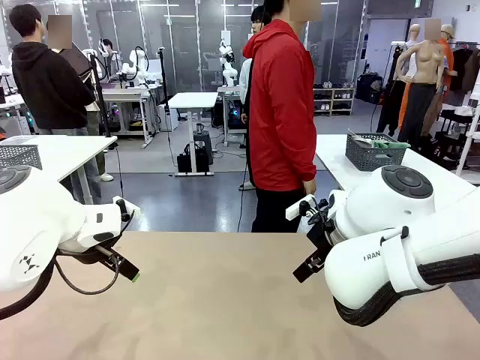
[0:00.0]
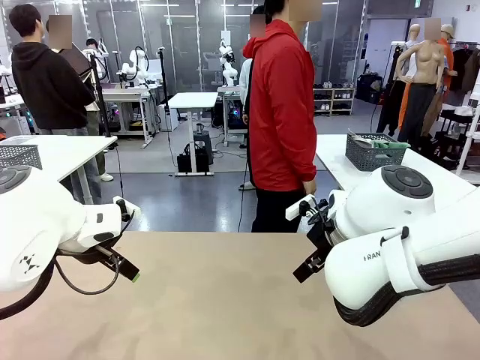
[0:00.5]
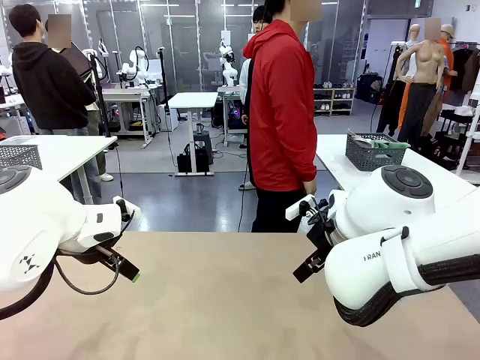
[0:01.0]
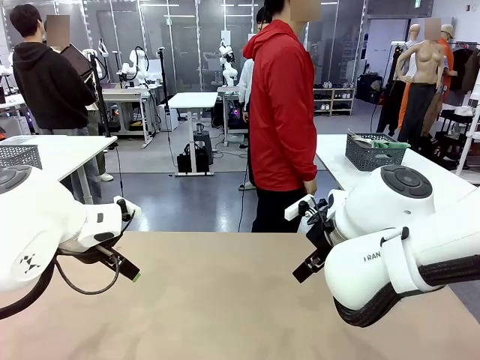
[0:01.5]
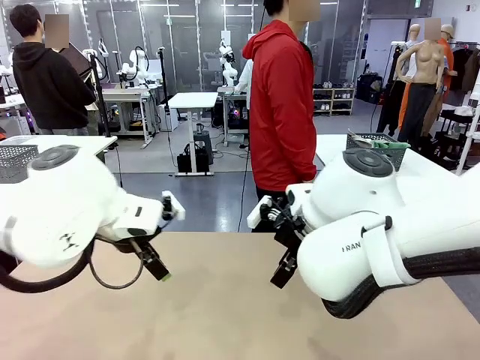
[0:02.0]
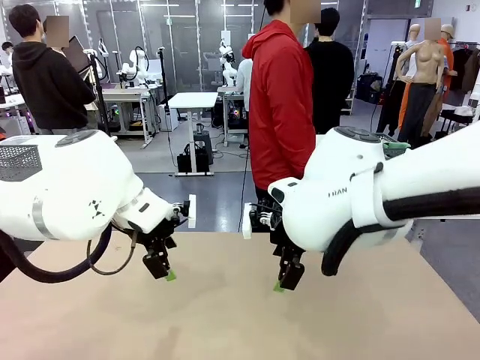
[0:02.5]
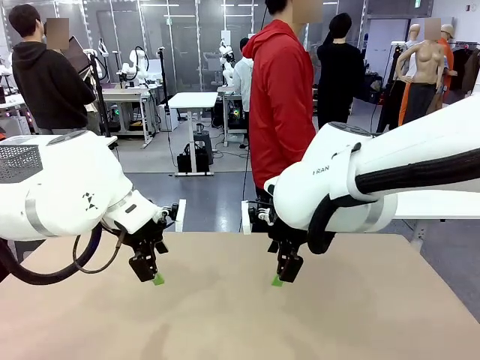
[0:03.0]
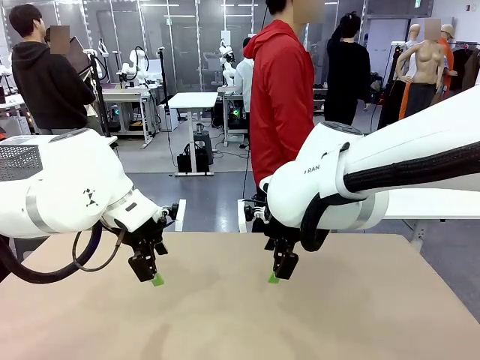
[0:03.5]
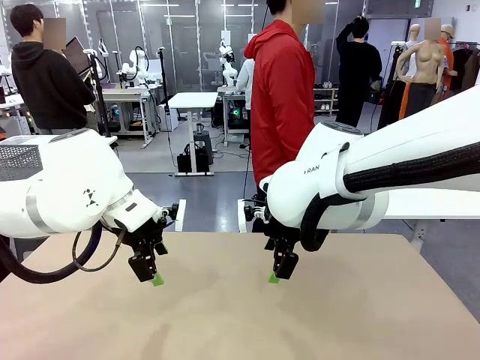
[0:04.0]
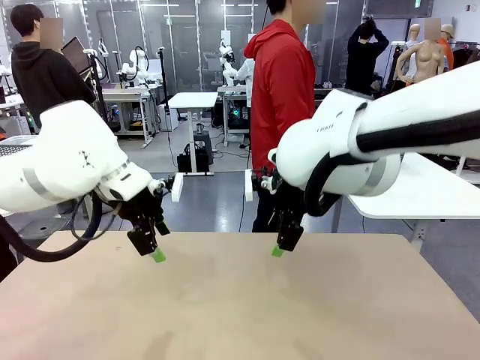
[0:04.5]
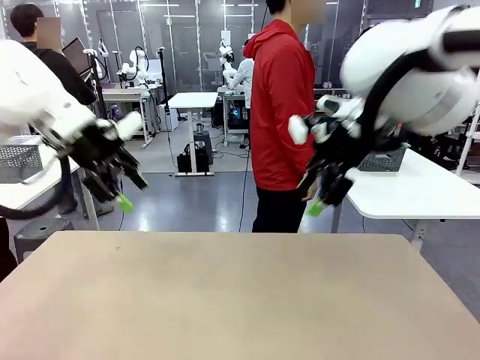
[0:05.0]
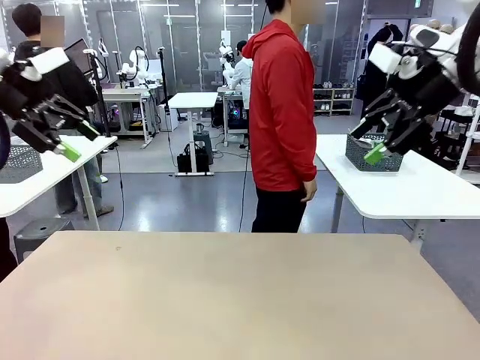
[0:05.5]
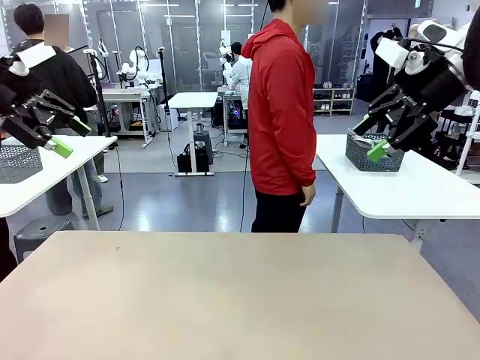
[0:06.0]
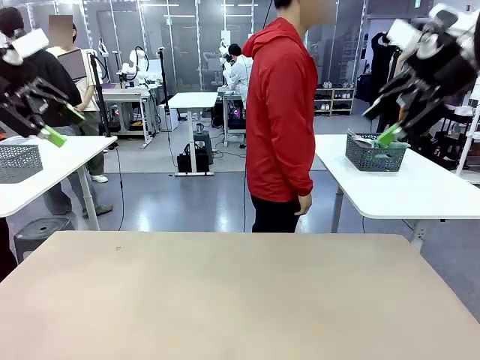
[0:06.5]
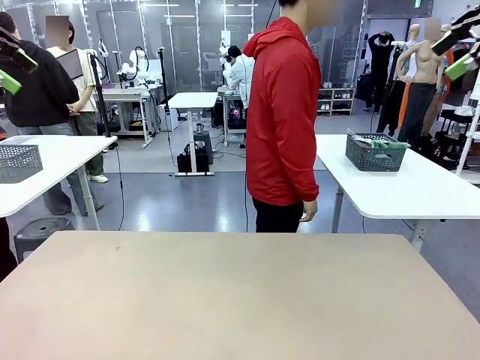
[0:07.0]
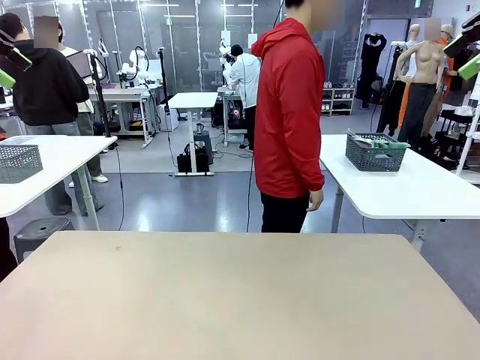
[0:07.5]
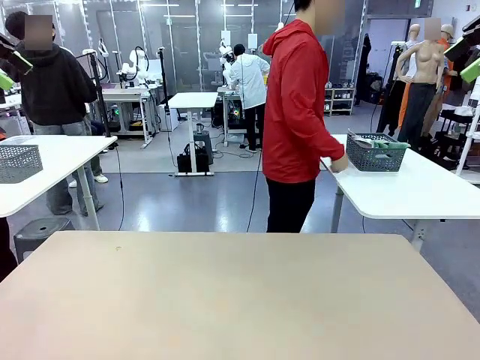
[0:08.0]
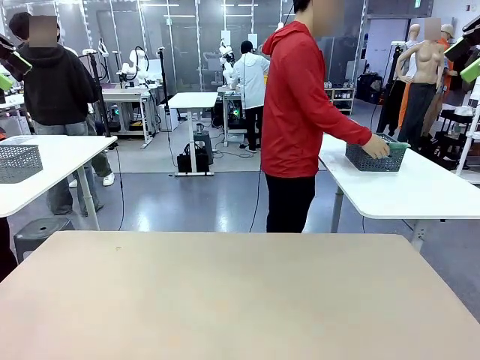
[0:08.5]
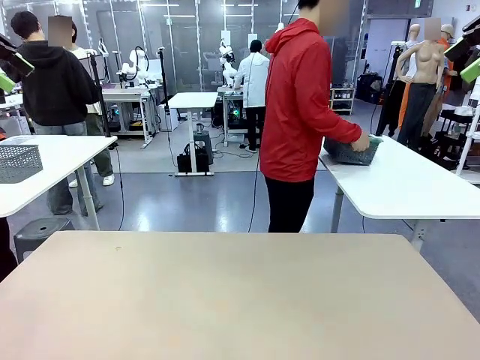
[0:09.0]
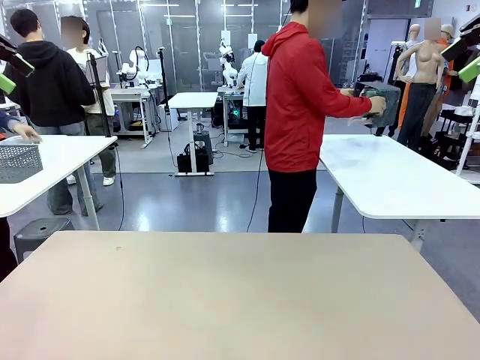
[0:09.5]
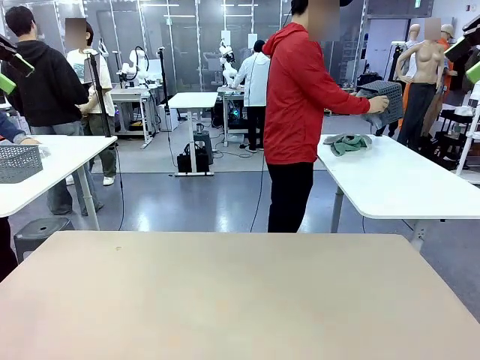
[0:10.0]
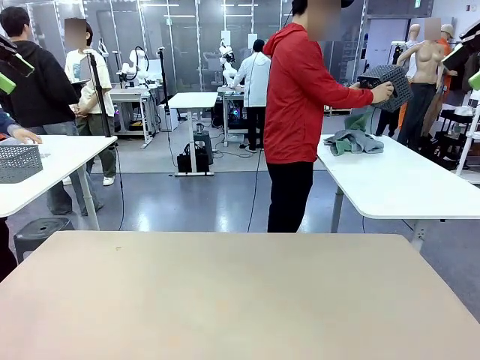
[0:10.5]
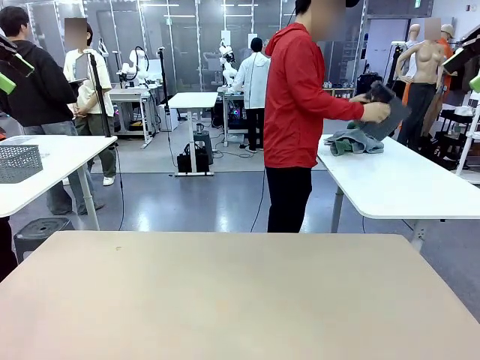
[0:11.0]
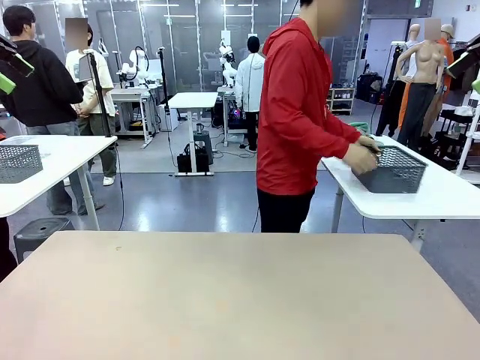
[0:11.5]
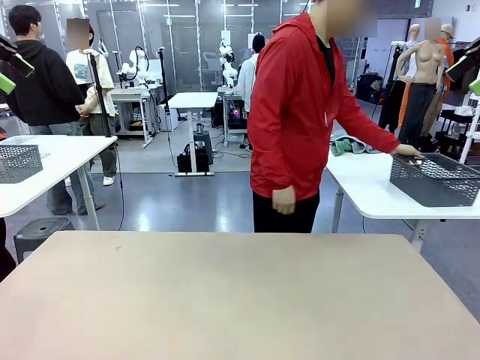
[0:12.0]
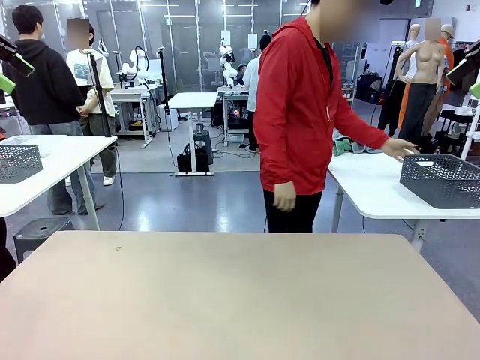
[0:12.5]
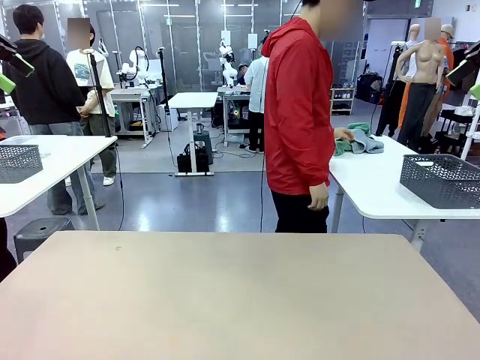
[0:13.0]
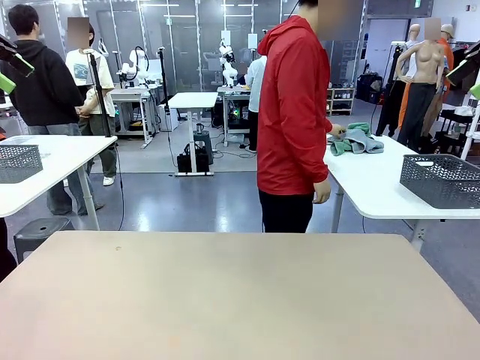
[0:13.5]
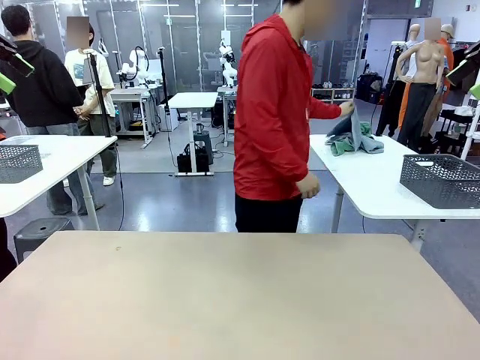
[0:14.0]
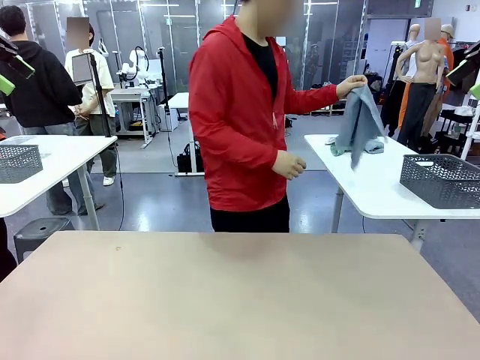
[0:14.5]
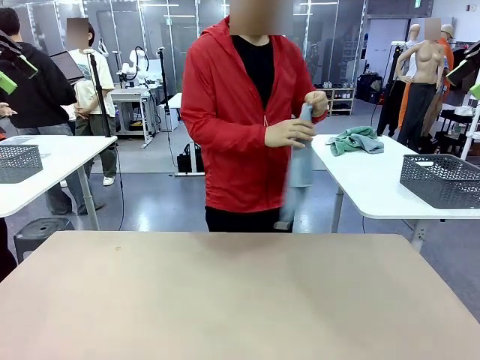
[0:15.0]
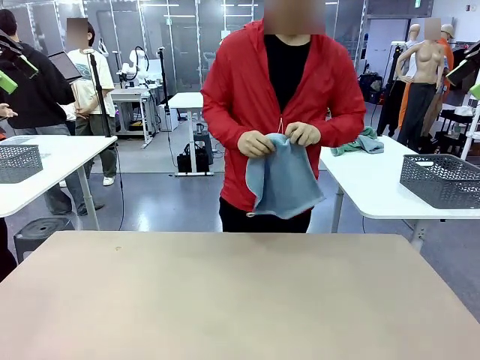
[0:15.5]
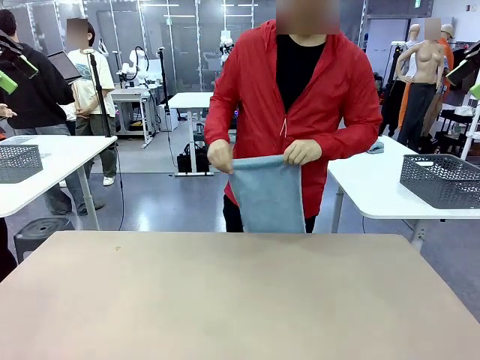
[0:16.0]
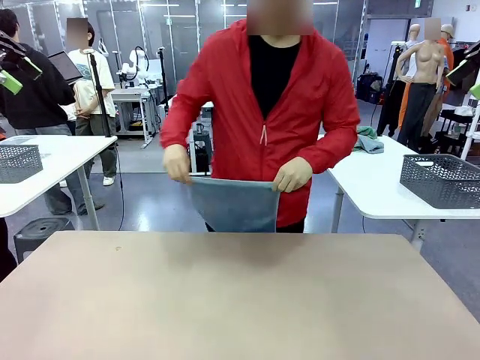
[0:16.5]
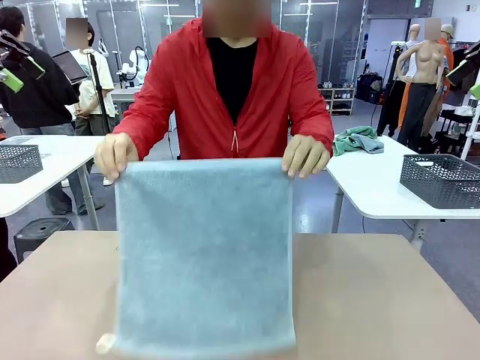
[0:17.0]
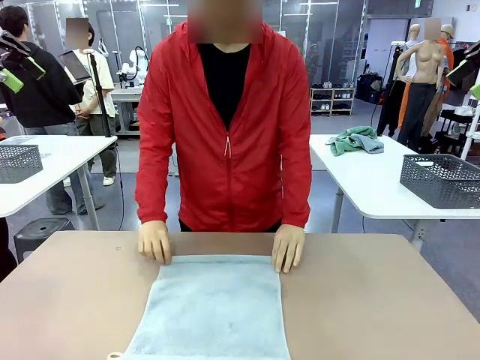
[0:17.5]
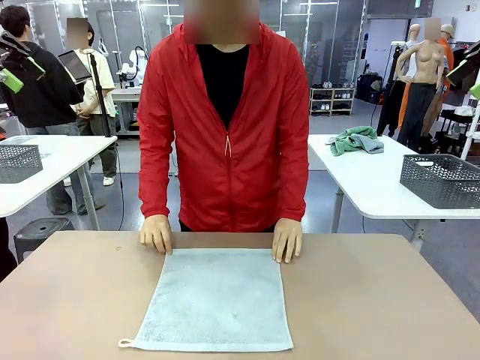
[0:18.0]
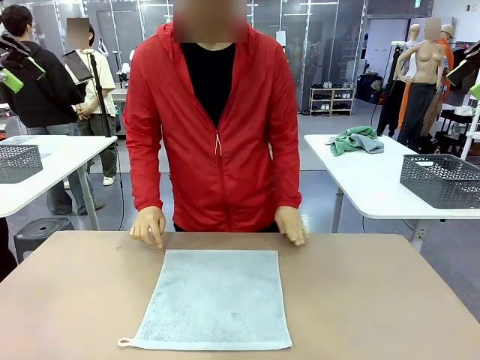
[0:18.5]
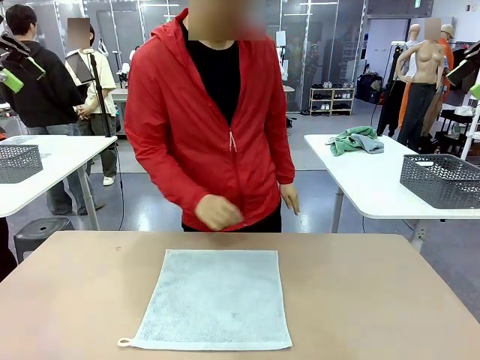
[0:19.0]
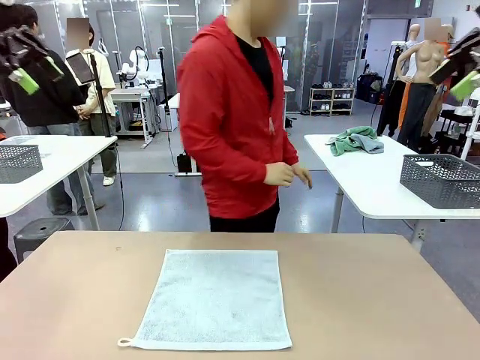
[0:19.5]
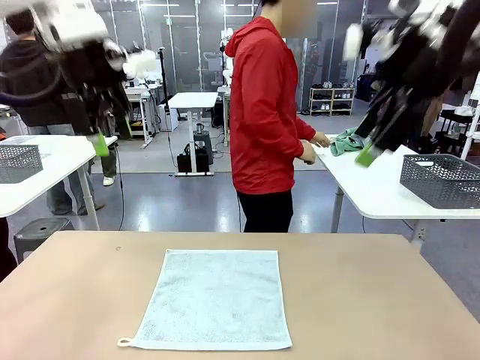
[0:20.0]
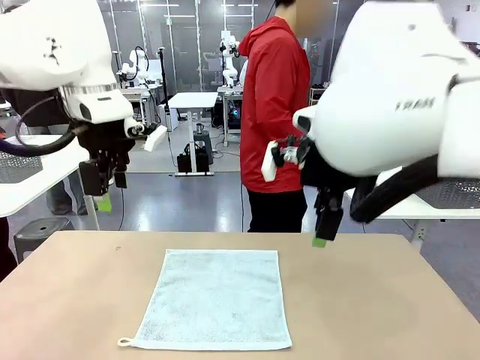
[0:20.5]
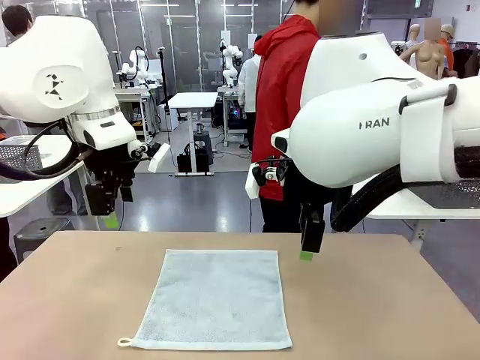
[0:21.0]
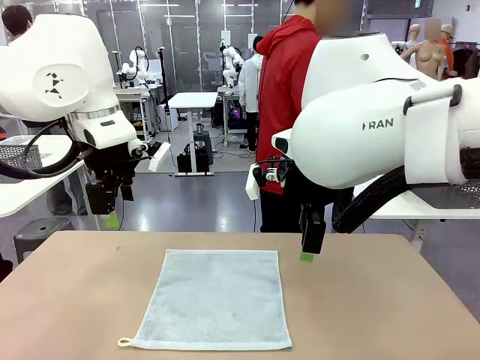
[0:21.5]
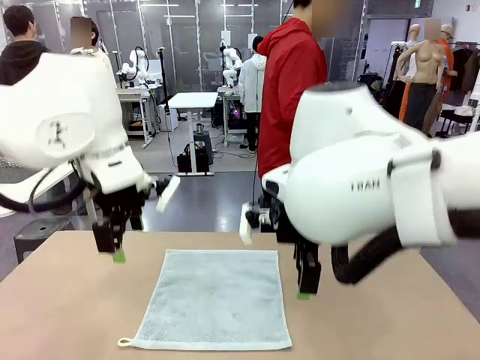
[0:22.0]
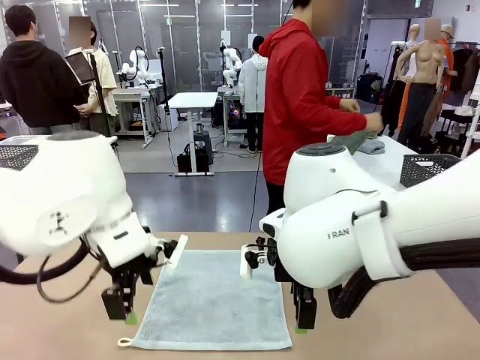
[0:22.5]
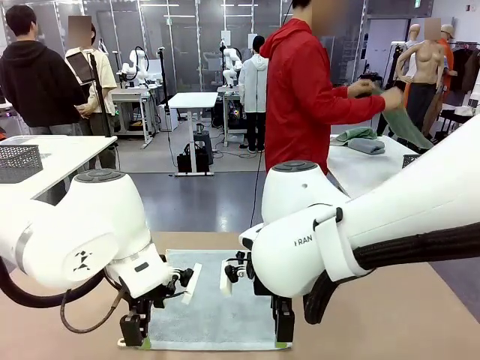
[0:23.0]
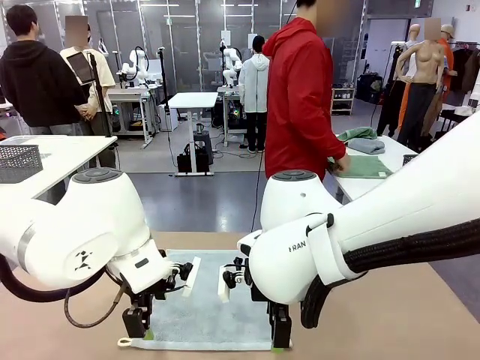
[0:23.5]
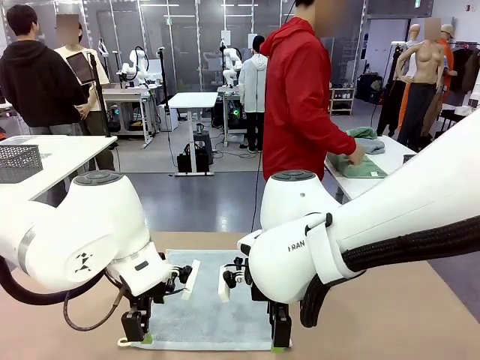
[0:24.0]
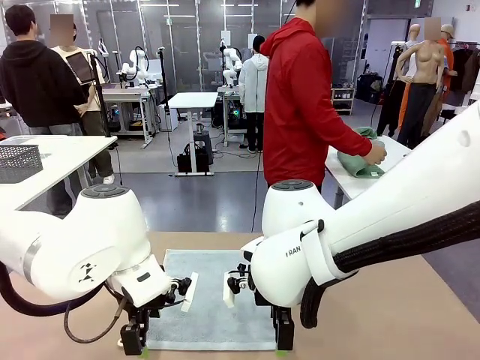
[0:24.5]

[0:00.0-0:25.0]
Task: Fold the towels and place them in the basket.
Robot: When a person lays out a Towel with hook on the table, fold it in half twice.
Person: Pick up the basket, pour the towels onto the left side of the human table, and place the basket on the right side. Pick up one towel and spread it out at the center of the robot table. Pick up one towel from the left side of the human table, fold it in half twice, and place it on the right side of the table.
